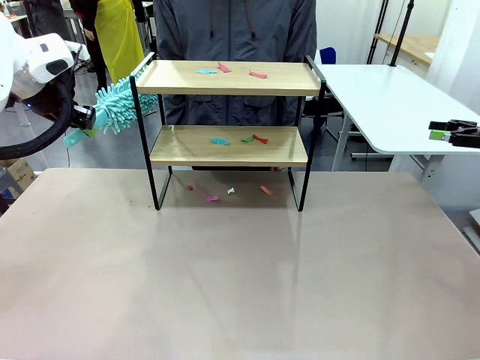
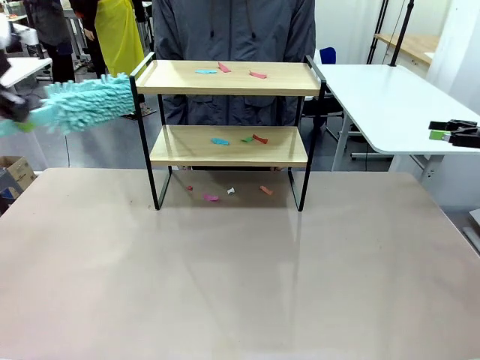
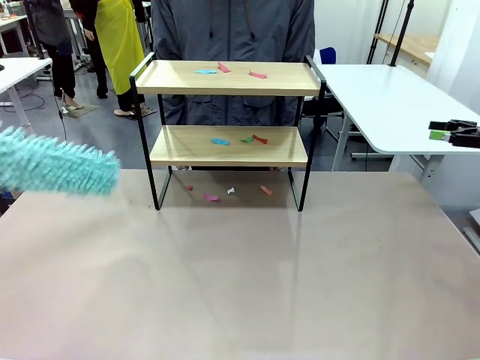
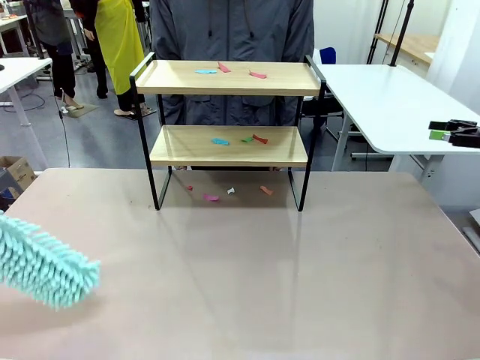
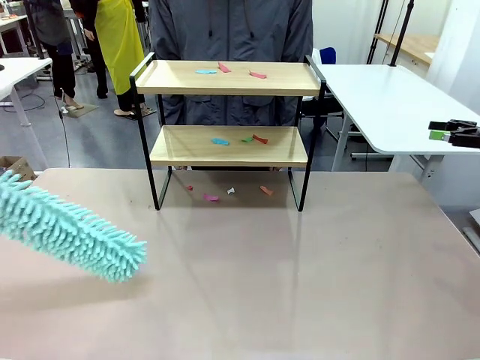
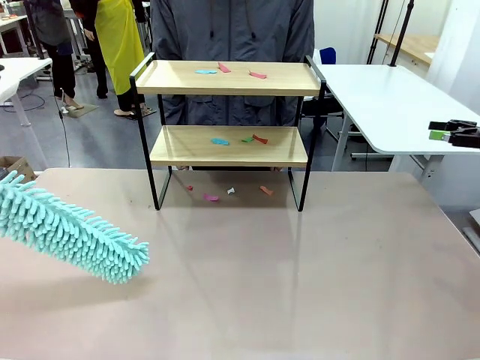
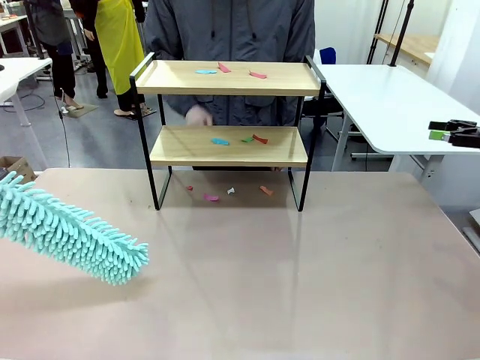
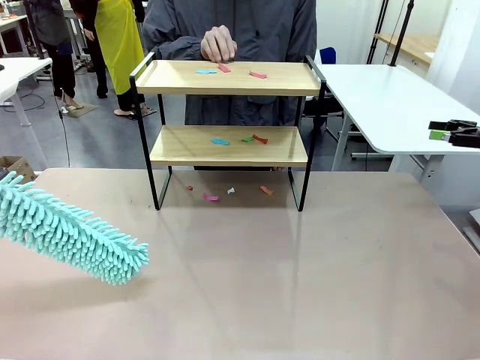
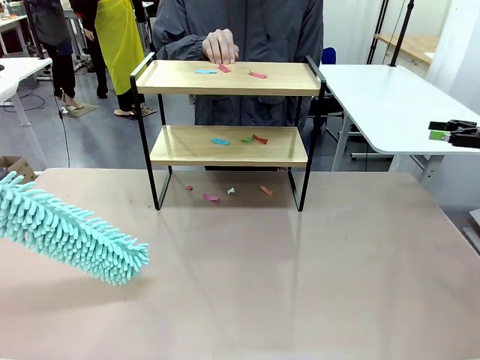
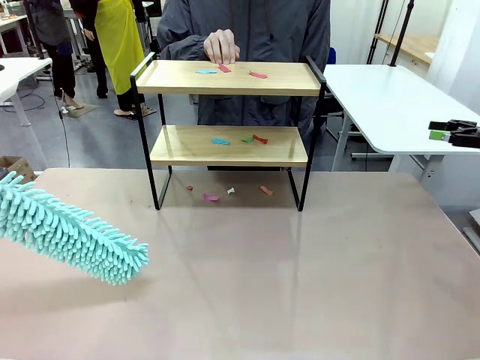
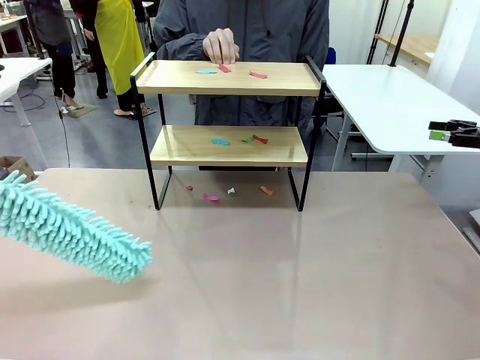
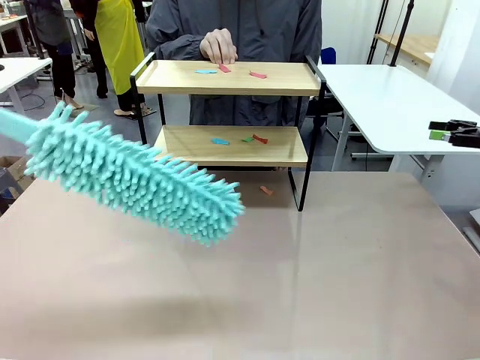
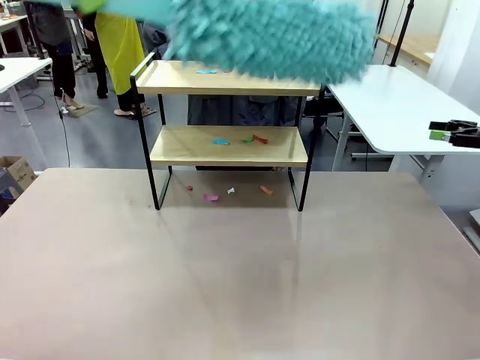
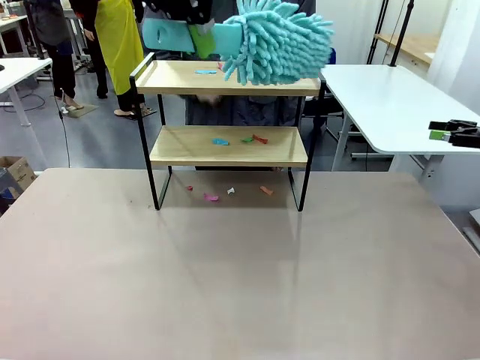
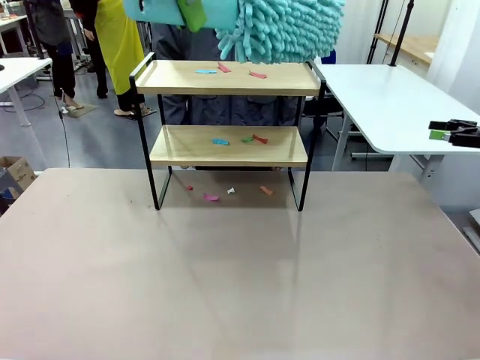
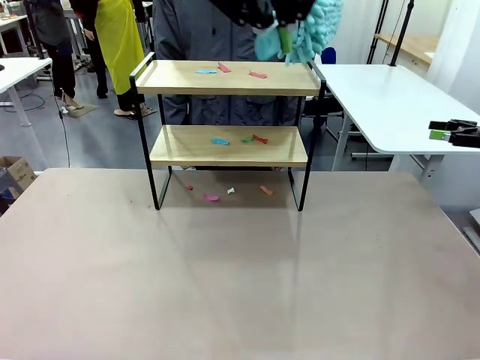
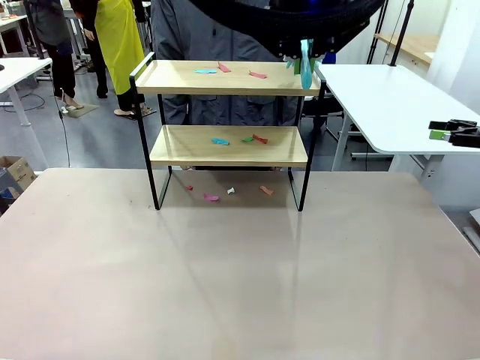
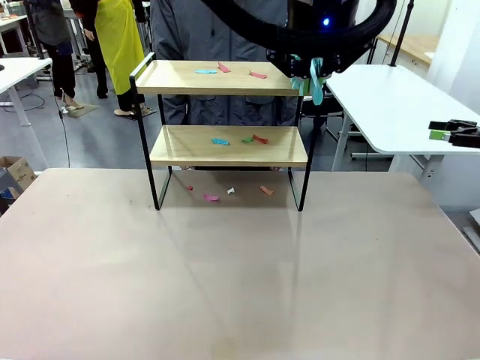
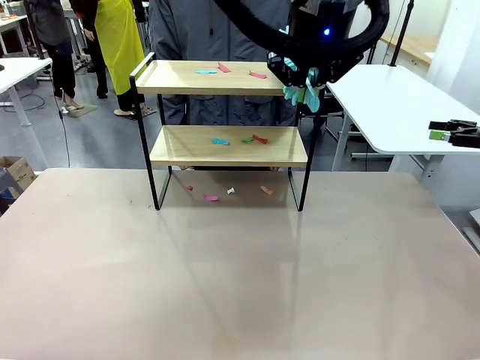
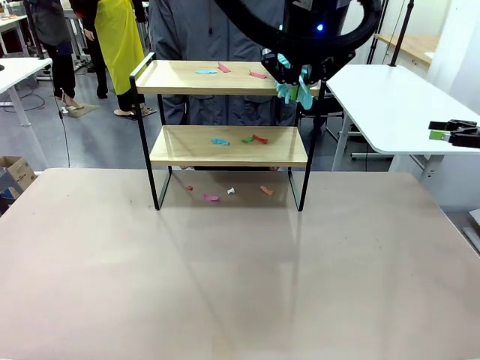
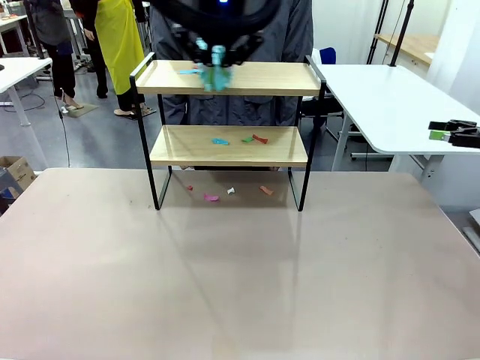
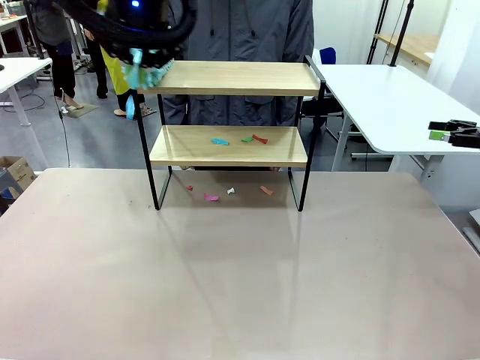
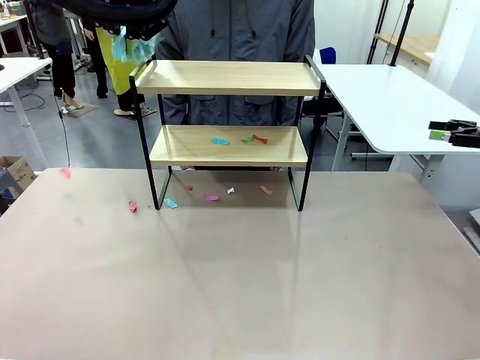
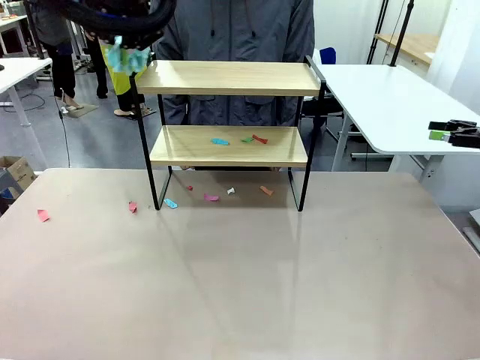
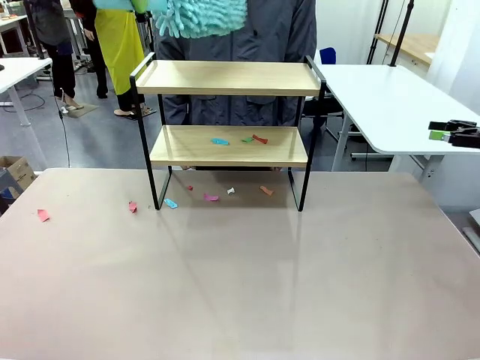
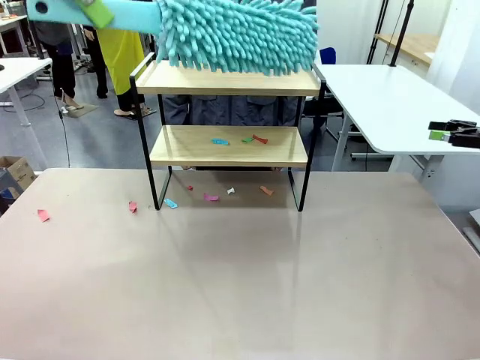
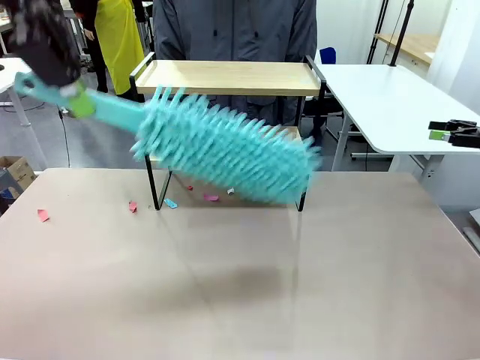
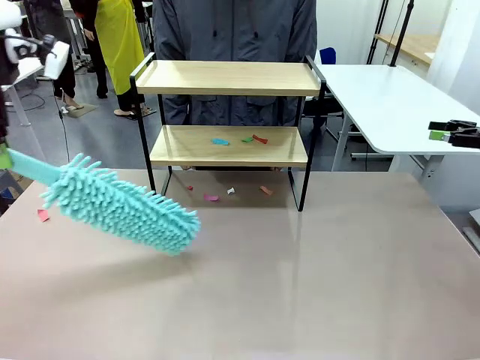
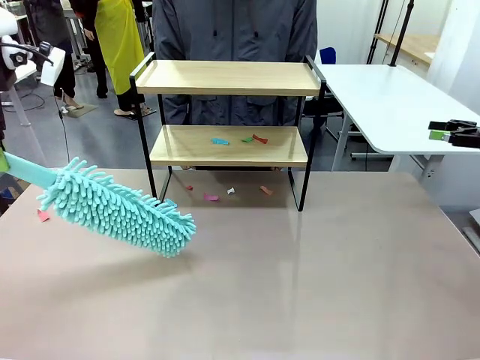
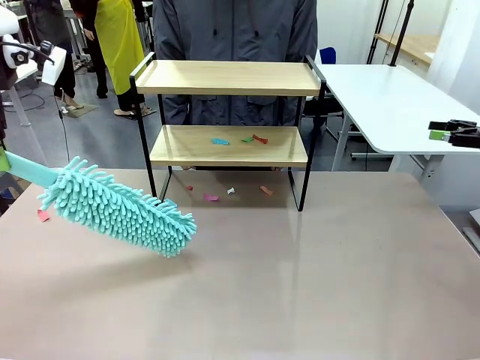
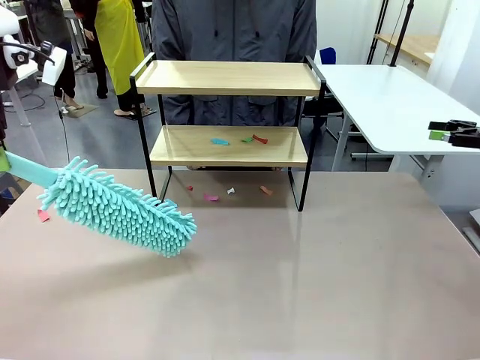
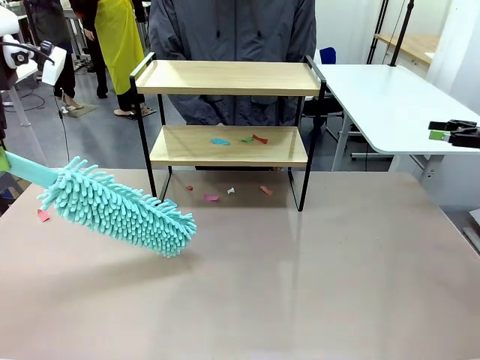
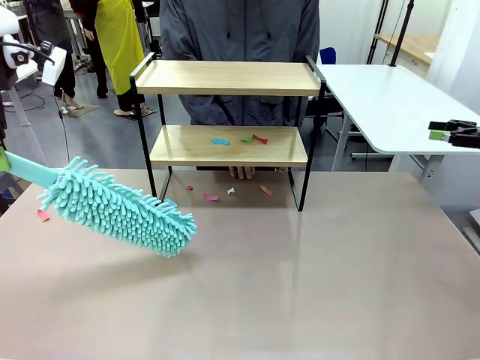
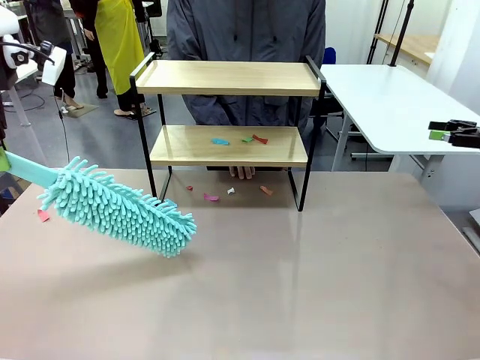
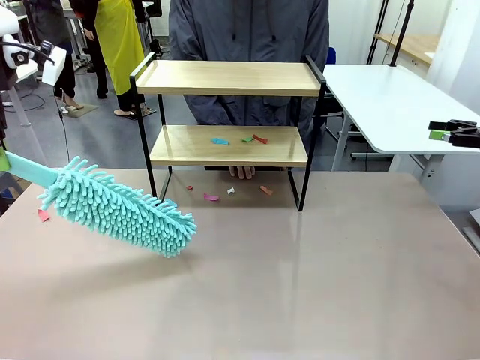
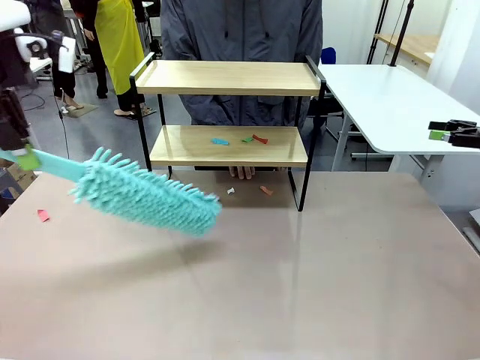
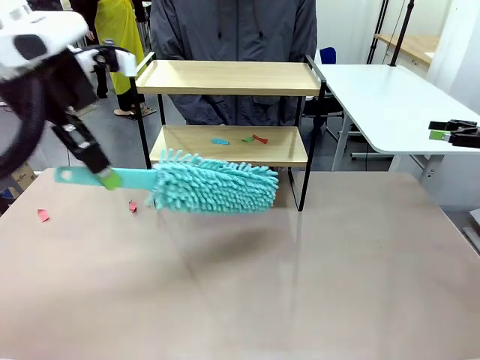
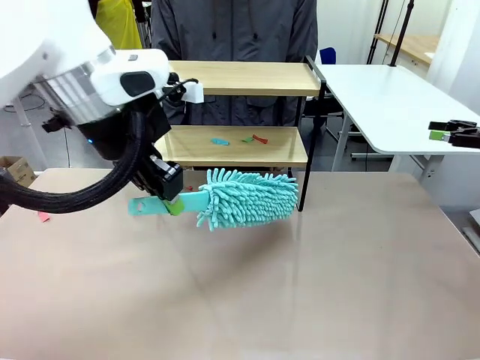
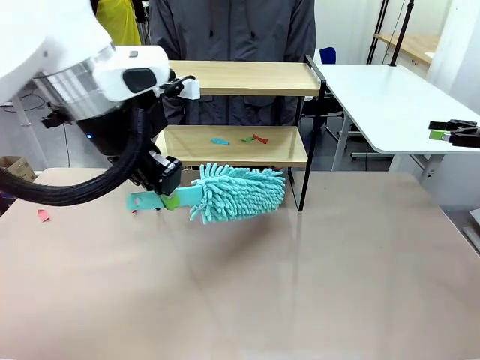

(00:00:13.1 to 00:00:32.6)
Task: Clean the shelf.
Robot: Clean the specific section of the Shelf indicated by the human with the Duster.
Person: Point a random section of the Shelf.
